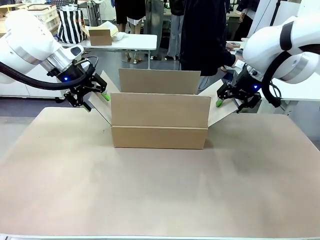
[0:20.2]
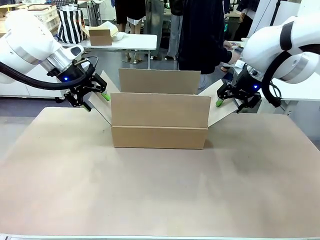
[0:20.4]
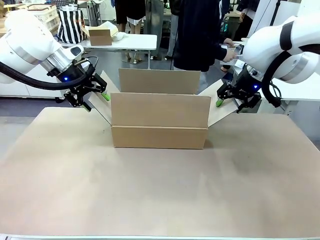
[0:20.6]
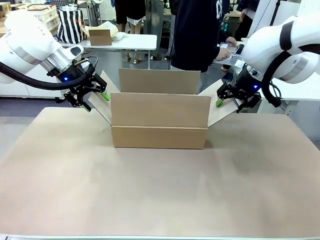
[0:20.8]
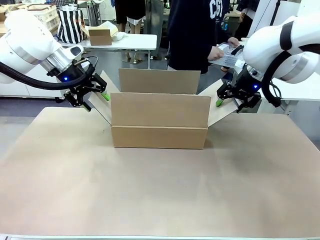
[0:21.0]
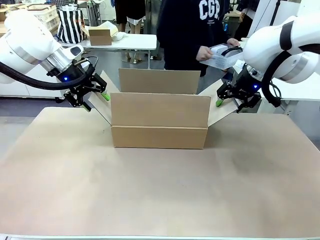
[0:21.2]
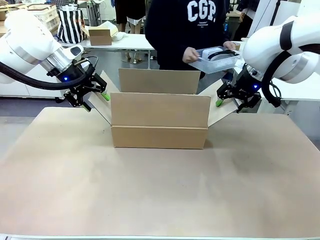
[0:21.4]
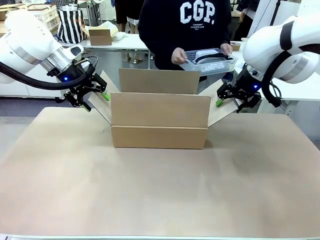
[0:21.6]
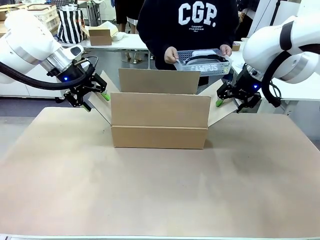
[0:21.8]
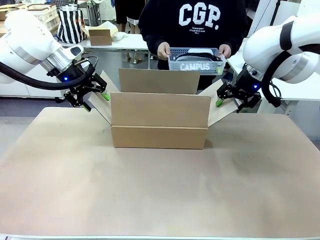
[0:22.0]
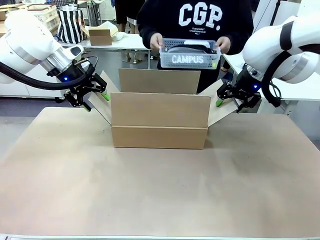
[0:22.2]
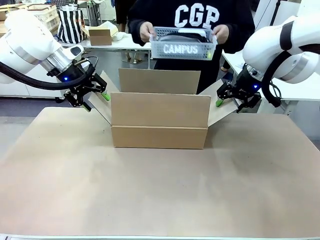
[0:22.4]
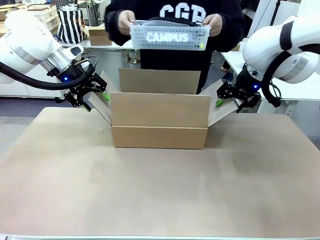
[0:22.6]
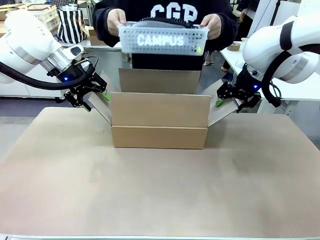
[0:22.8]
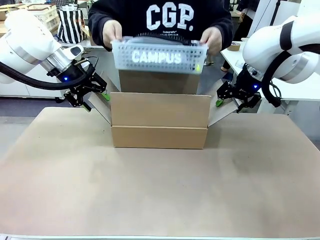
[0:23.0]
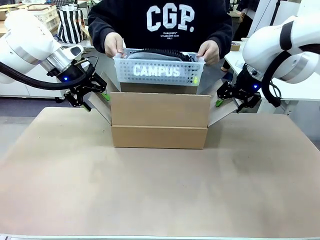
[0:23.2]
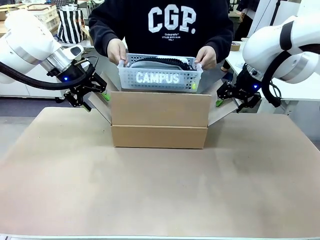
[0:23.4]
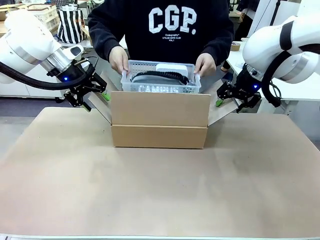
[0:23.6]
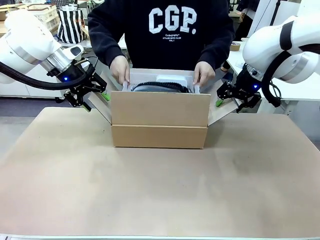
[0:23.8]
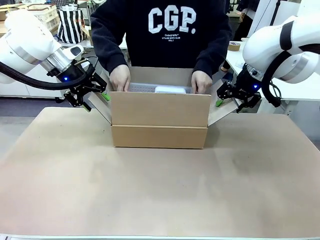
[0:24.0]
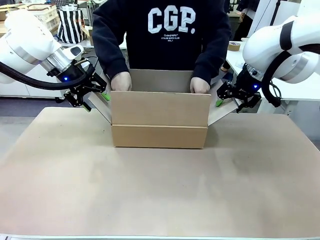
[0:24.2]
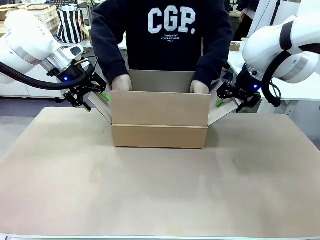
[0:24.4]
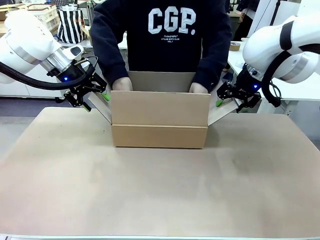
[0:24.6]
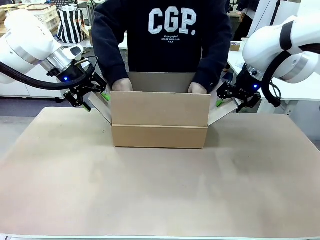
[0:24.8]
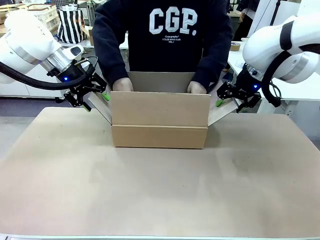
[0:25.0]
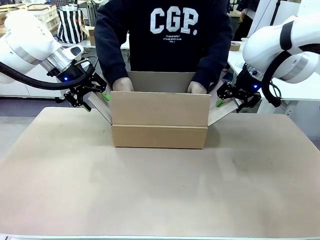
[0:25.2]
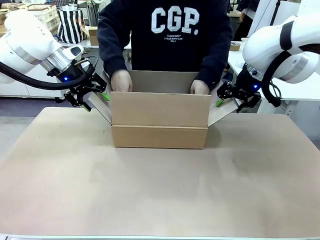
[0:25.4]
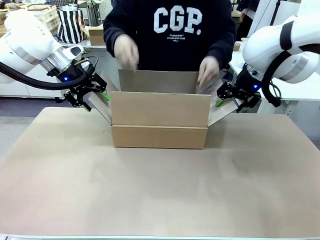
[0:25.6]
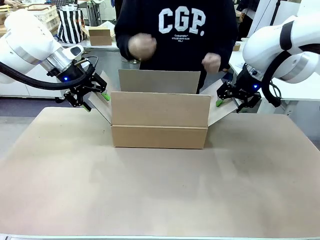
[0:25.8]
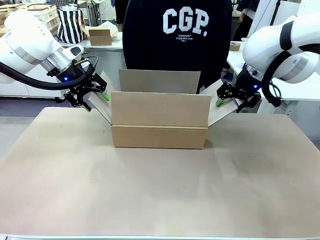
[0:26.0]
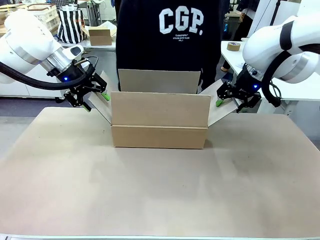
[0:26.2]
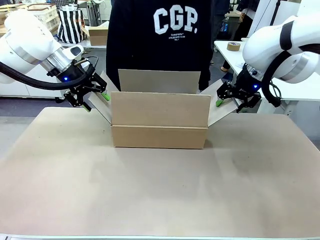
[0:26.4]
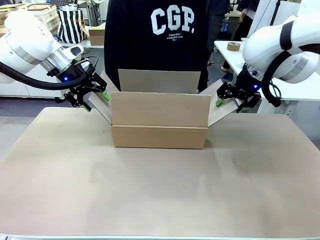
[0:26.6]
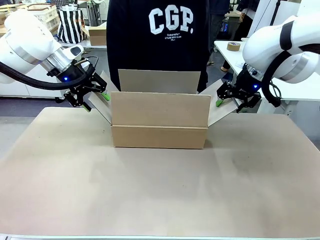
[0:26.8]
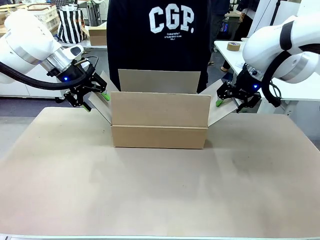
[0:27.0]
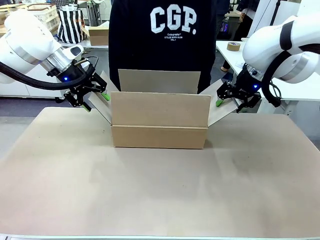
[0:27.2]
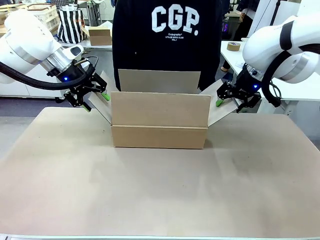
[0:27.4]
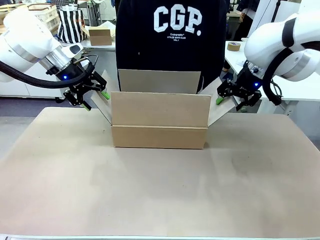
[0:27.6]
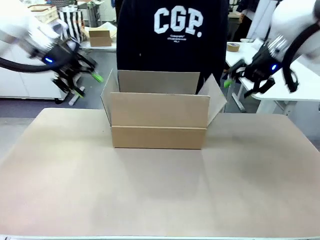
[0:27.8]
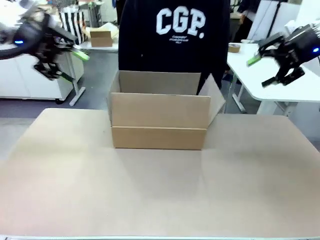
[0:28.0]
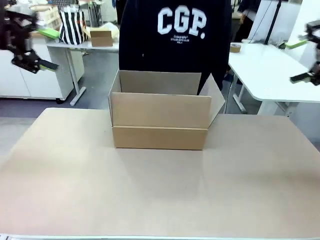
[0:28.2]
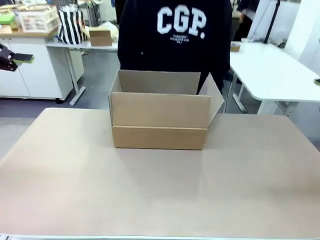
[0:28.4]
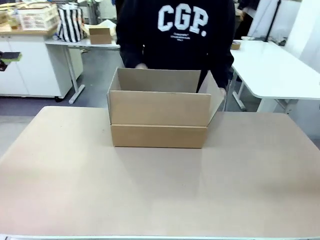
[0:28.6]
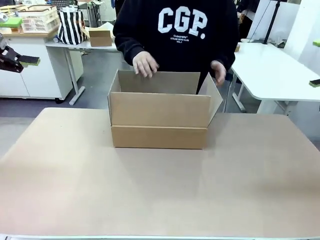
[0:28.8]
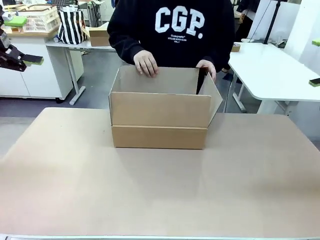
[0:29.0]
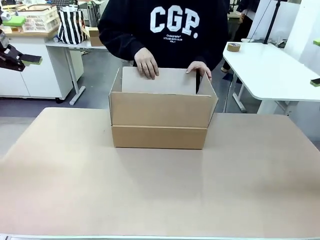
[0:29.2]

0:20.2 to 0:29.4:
Task: Pack the gift set into the box.
Robot: Lift both hands away from the flaps of the Package Box.
Person: The human picks up the organizing basket and places the organizing basket into the package box on the robot table.

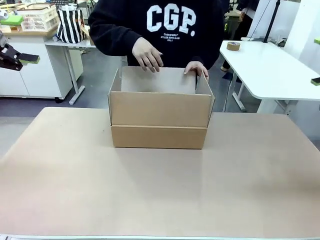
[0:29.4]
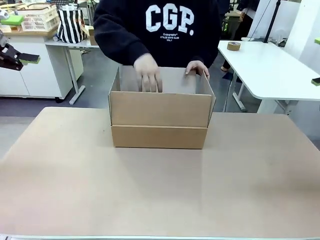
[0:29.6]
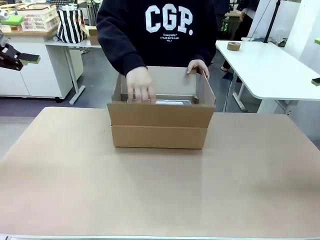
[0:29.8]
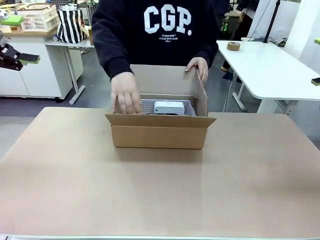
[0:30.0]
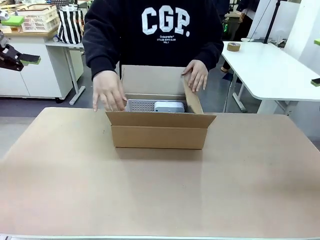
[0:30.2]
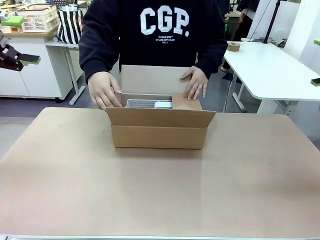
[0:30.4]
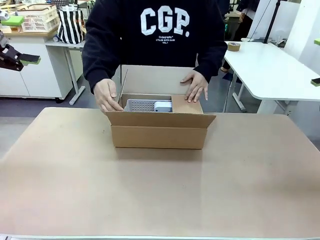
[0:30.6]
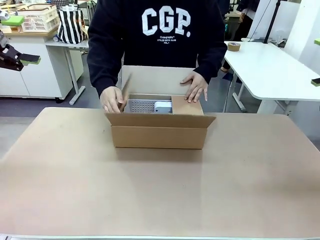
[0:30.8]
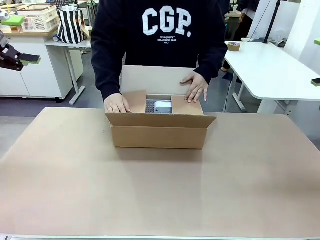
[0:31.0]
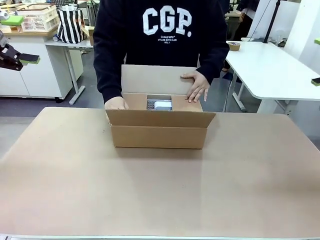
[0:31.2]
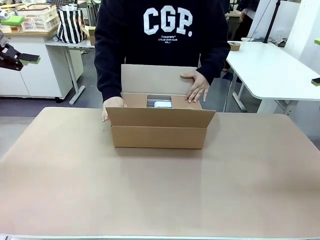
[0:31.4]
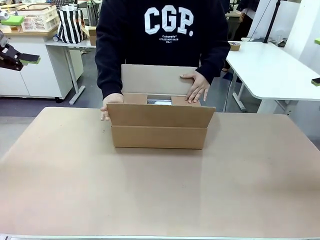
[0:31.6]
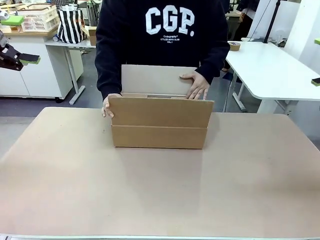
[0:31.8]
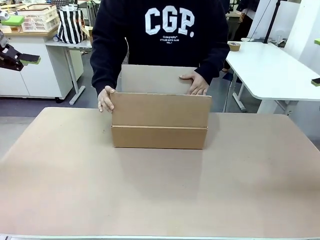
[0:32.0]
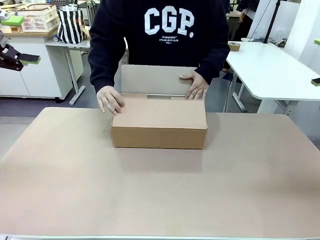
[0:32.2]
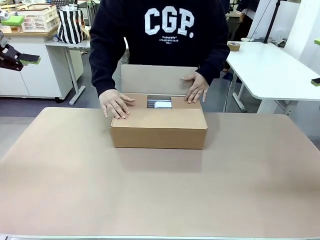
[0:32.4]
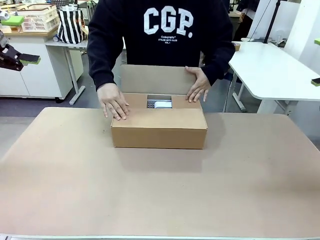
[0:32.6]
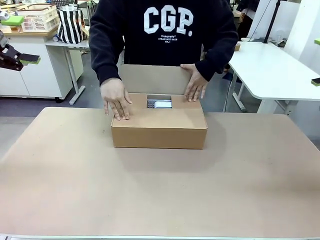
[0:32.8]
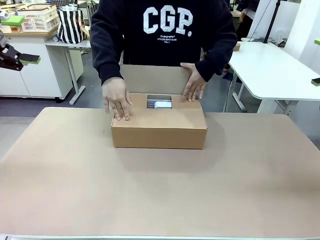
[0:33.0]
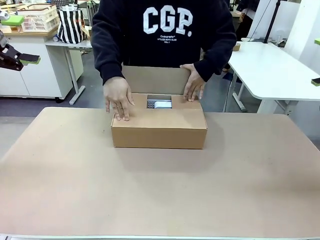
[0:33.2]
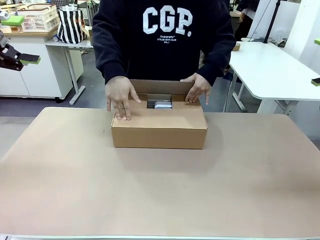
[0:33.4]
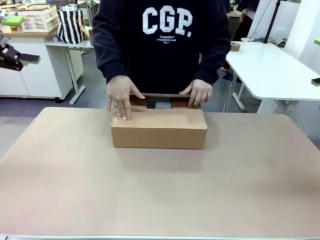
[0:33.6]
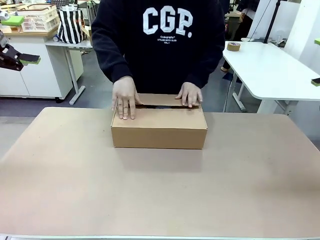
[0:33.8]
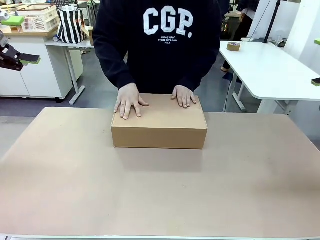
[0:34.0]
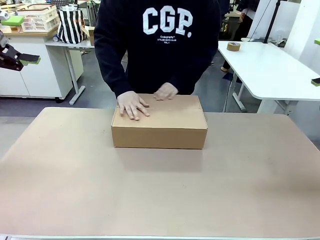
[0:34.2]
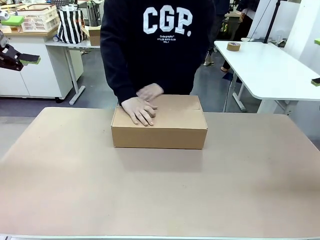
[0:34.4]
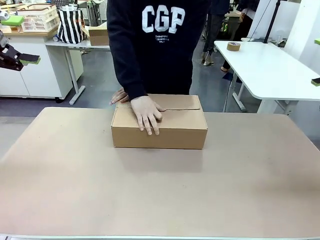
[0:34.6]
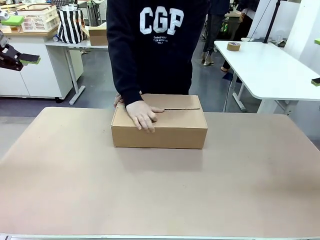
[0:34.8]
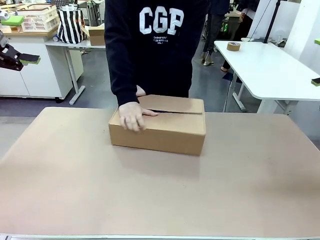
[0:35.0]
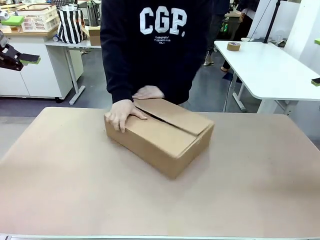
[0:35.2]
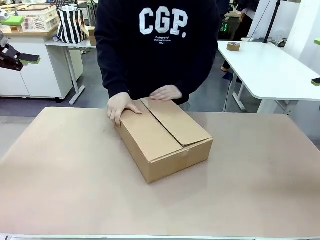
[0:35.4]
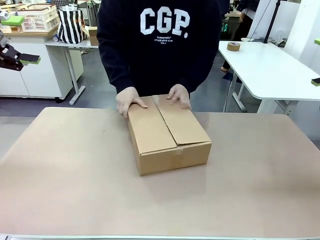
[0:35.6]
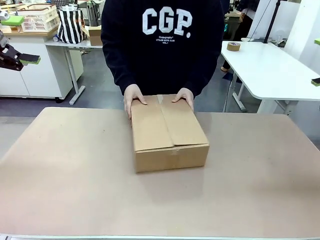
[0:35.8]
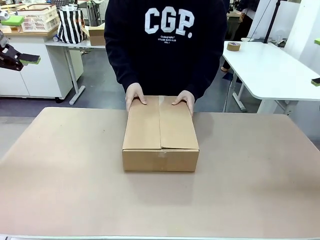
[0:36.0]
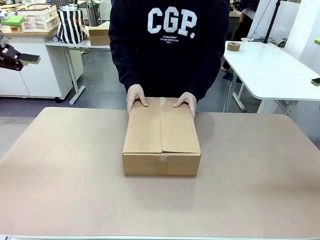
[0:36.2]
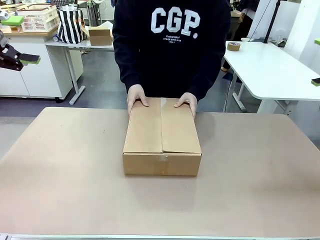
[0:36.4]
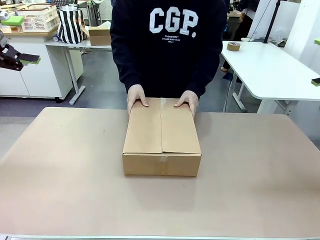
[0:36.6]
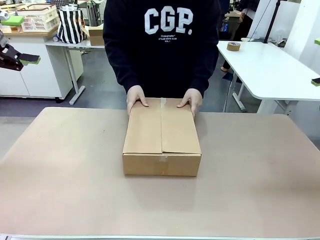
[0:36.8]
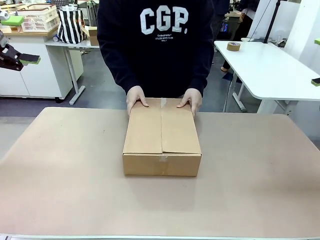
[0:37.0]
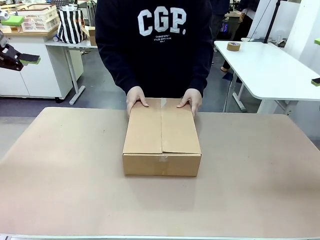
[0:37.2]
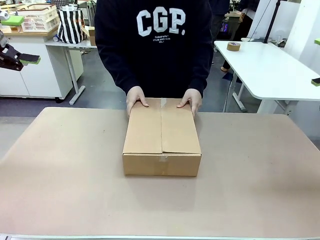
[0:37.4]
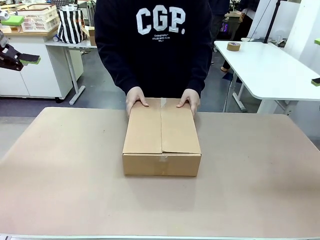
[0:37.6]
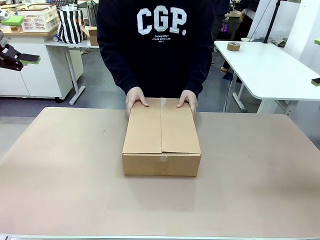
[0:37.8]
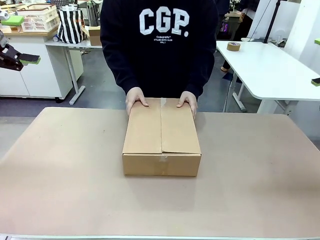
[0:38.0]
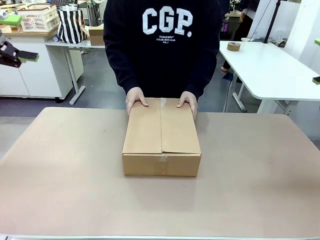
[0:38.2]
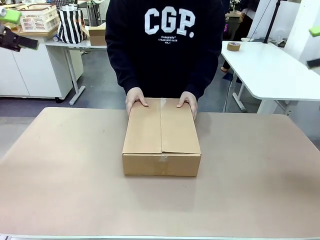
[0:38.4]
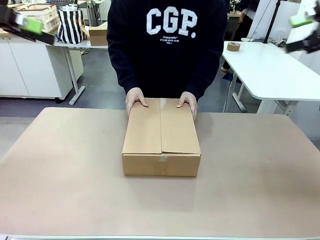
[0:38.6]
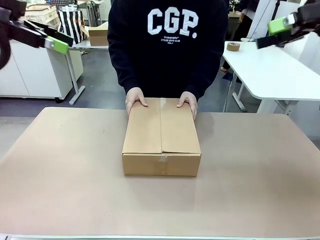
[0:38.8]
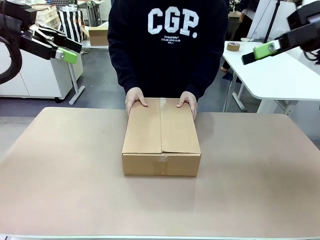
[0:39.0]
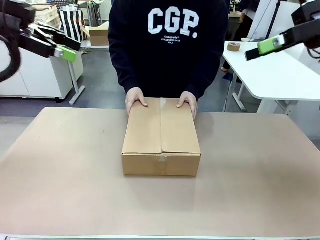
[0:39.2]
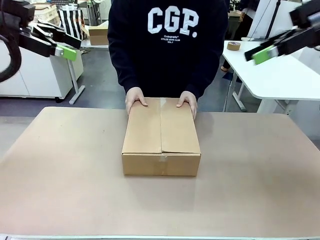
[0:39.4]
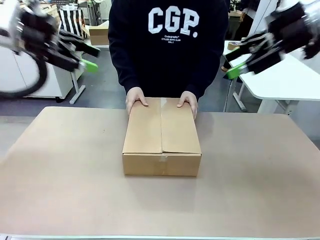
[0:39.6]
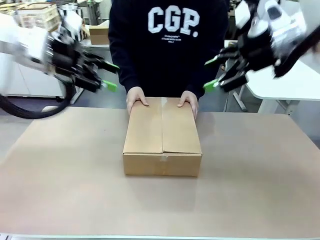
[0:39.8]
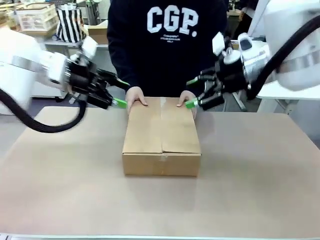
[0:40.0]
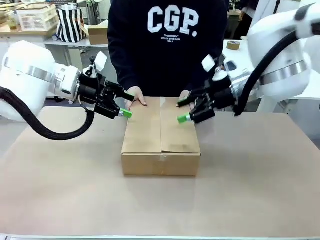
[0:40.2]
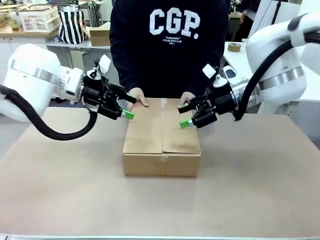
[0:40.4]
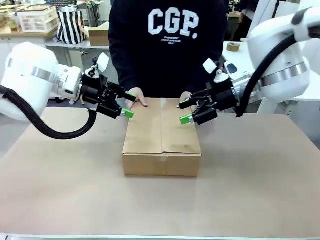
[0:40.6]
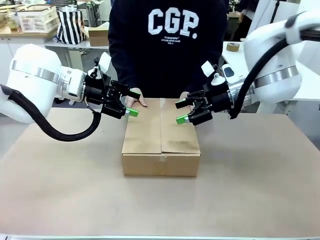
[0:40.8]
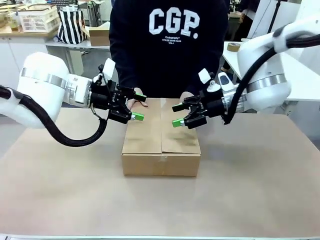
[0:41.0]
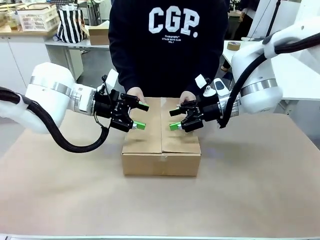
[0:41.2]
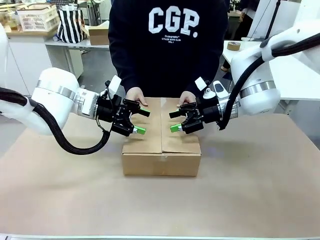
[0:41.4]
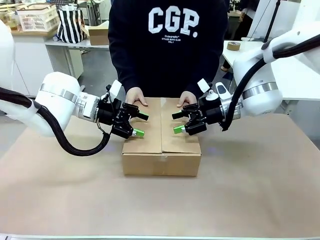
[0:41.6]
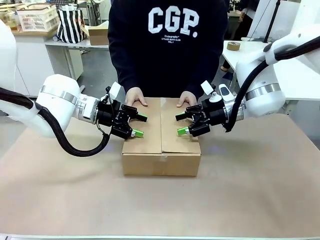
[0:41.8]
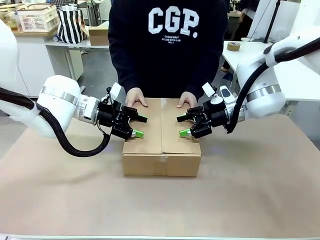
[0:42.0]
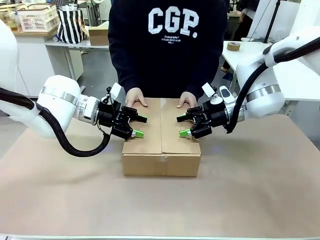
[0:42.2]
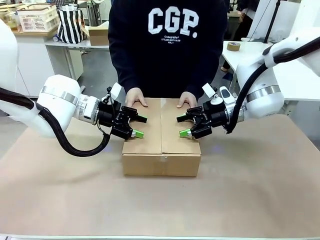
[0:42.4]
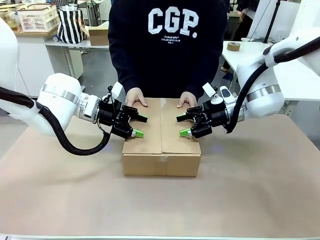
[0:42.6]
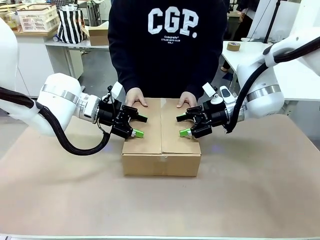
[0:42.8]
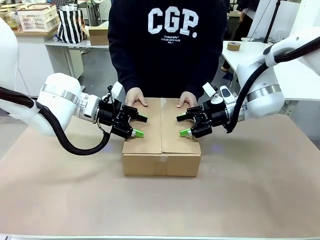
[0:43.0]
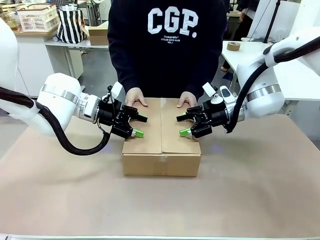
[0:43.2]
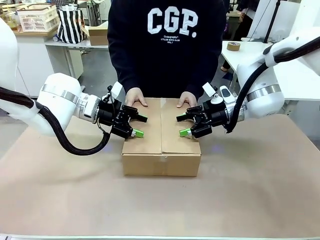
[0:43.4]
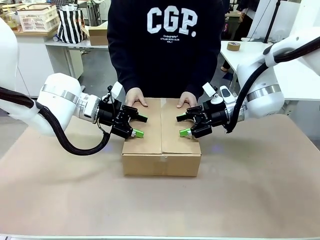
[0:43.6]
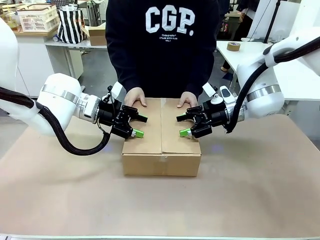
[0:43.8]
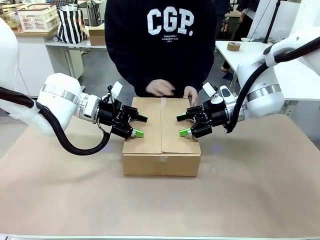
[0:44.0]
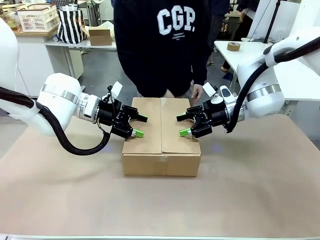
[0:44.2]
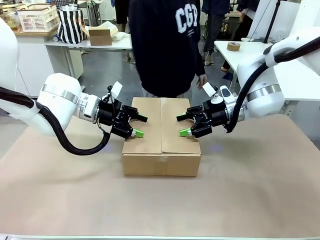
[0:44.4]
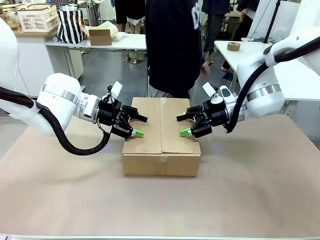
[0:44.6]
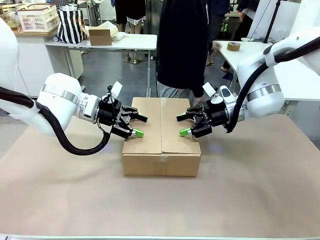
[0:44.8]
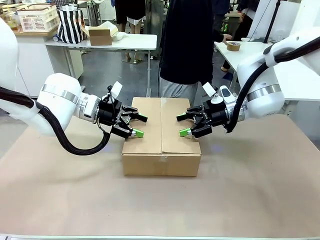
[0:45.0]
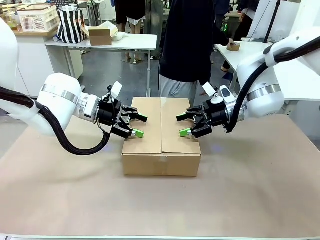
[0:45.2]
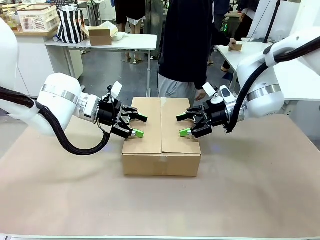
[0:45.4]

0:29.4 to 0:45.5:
Robot: Press and hold the closed box until the human finishes sealing it.
Person: The human closes the box and rotates the box by 90 degrees.
